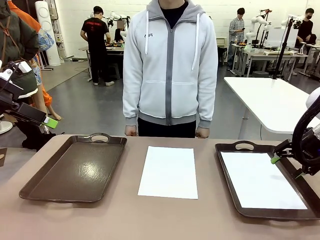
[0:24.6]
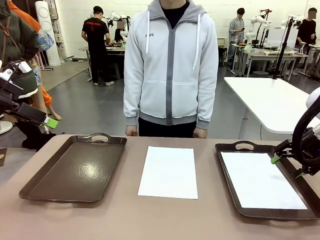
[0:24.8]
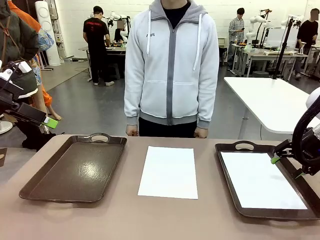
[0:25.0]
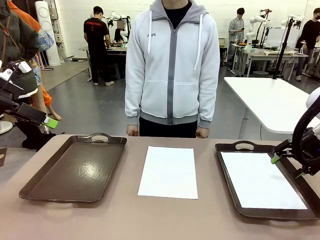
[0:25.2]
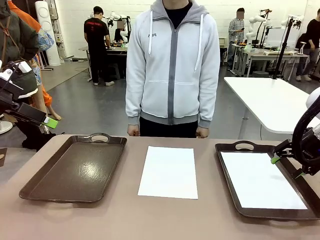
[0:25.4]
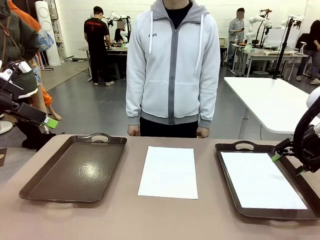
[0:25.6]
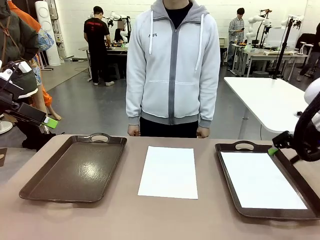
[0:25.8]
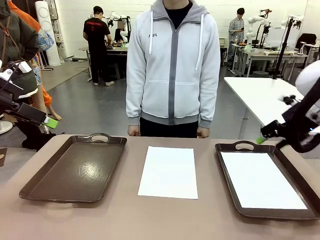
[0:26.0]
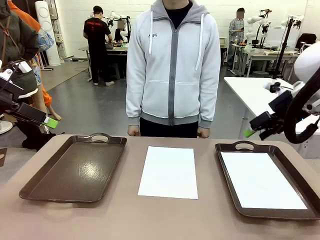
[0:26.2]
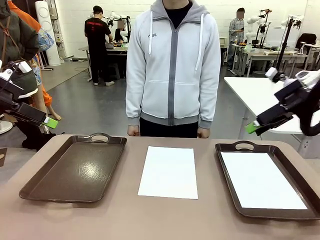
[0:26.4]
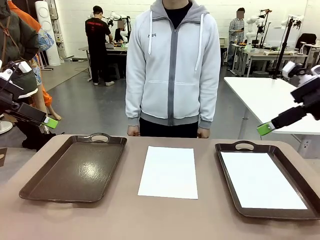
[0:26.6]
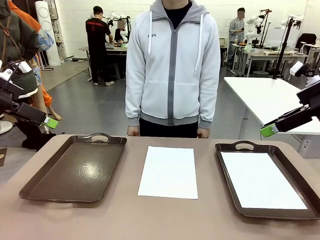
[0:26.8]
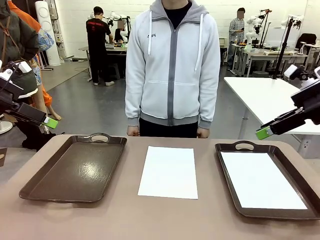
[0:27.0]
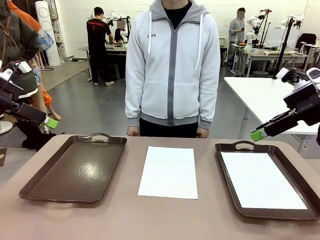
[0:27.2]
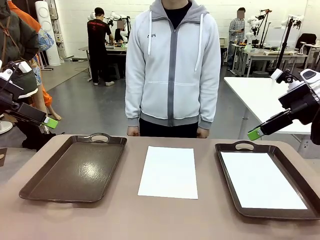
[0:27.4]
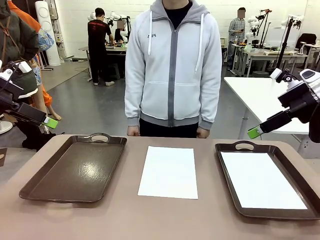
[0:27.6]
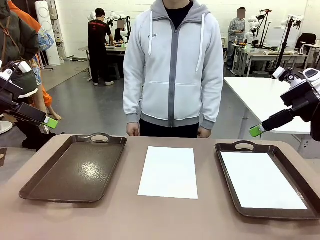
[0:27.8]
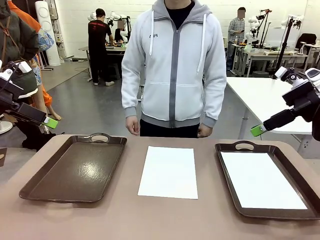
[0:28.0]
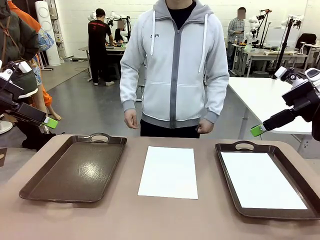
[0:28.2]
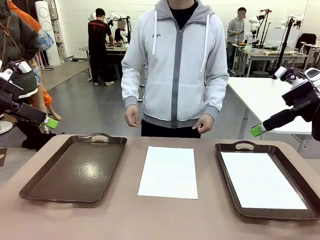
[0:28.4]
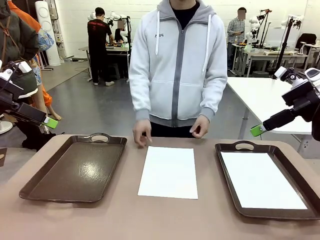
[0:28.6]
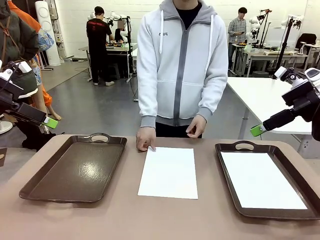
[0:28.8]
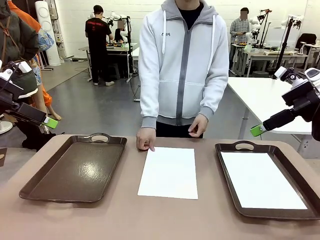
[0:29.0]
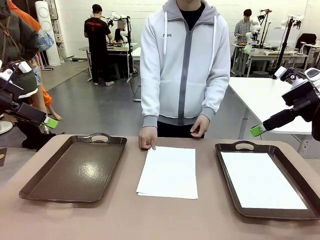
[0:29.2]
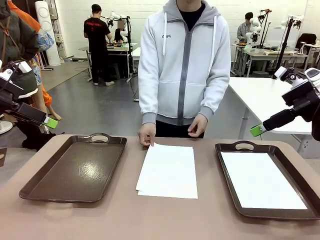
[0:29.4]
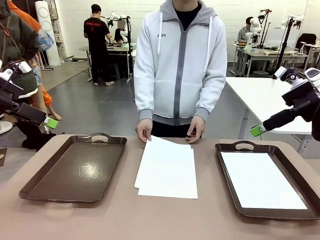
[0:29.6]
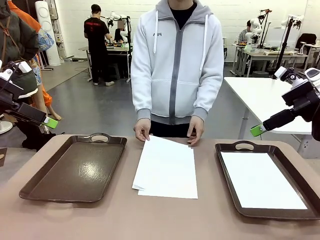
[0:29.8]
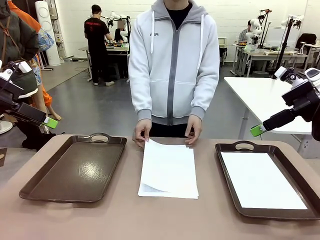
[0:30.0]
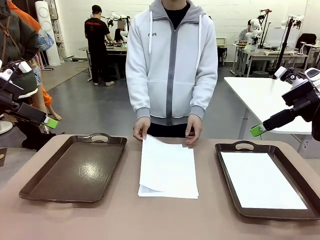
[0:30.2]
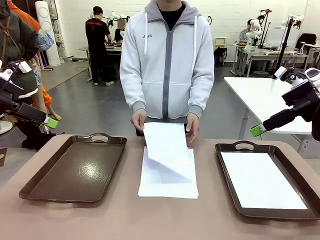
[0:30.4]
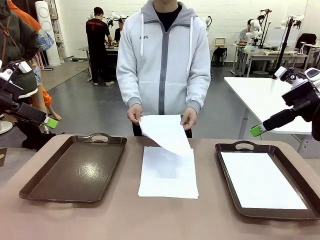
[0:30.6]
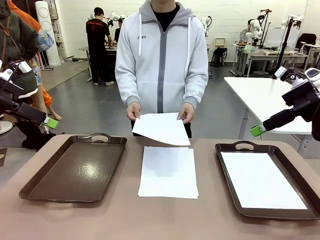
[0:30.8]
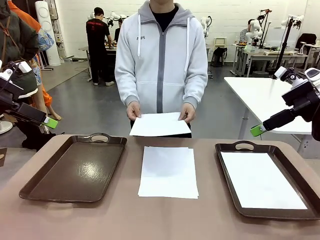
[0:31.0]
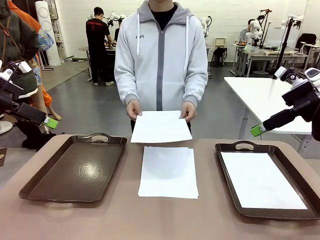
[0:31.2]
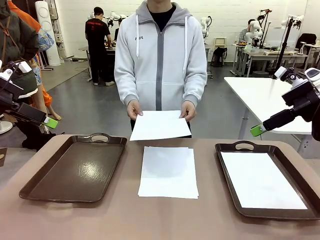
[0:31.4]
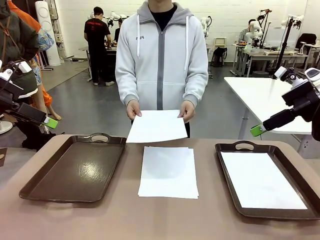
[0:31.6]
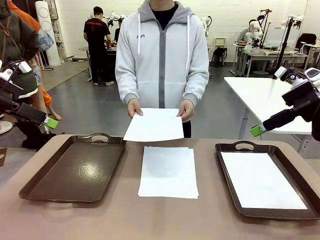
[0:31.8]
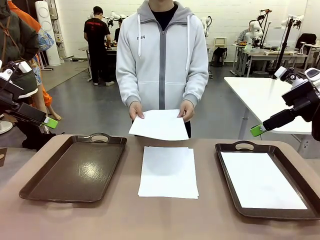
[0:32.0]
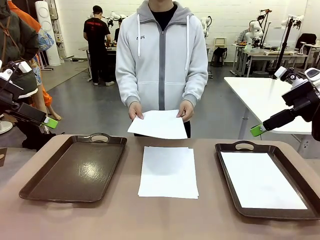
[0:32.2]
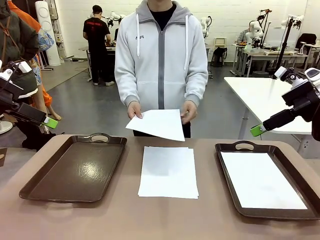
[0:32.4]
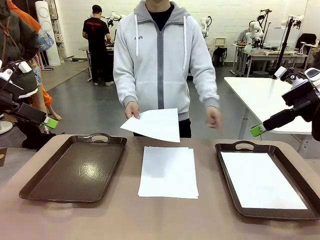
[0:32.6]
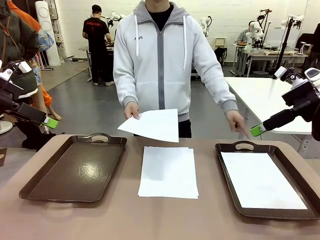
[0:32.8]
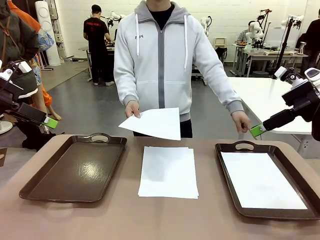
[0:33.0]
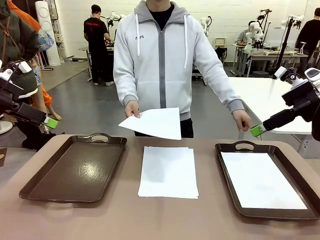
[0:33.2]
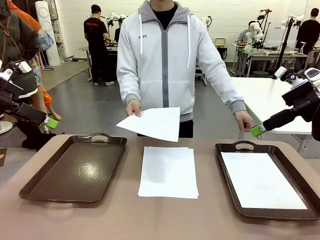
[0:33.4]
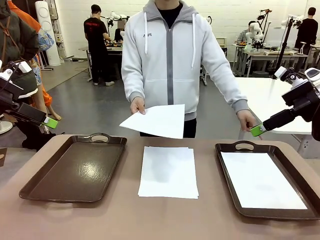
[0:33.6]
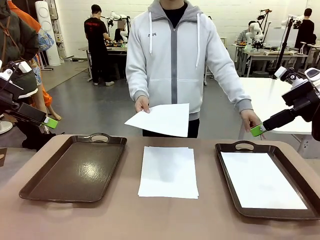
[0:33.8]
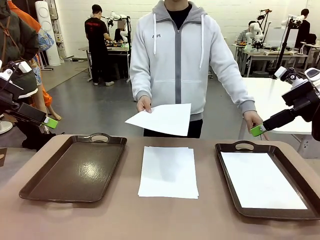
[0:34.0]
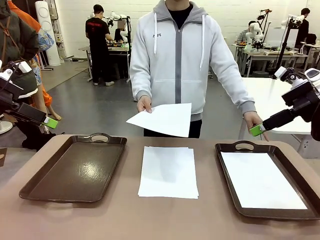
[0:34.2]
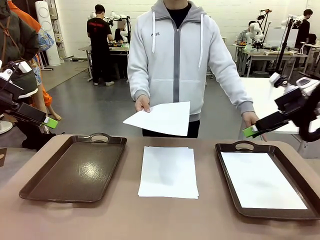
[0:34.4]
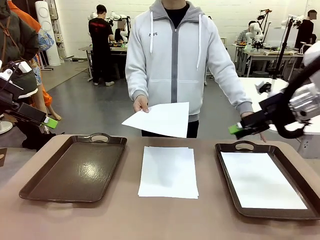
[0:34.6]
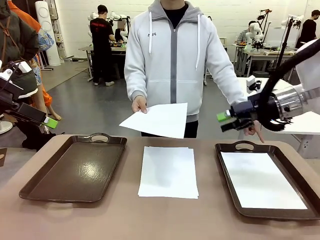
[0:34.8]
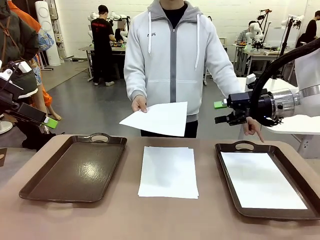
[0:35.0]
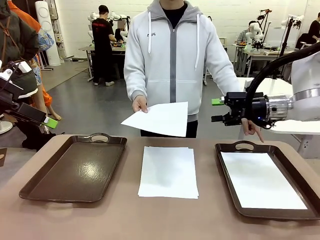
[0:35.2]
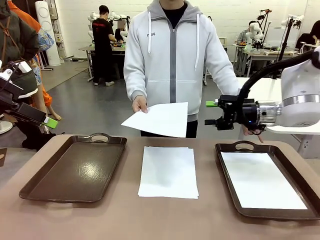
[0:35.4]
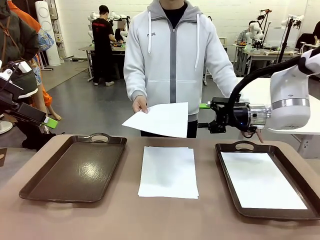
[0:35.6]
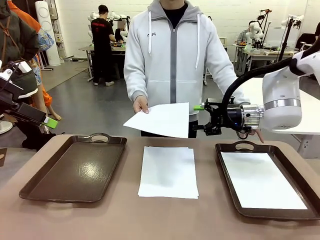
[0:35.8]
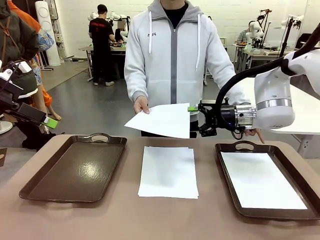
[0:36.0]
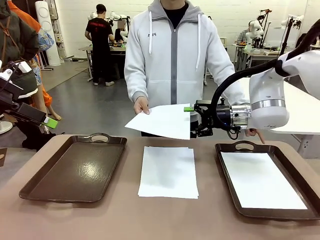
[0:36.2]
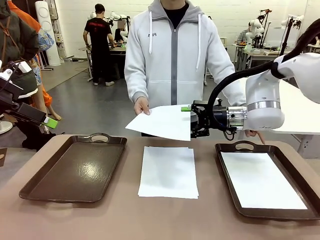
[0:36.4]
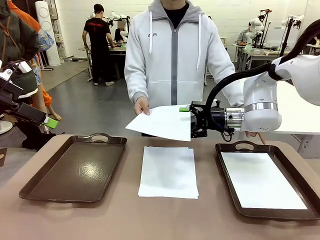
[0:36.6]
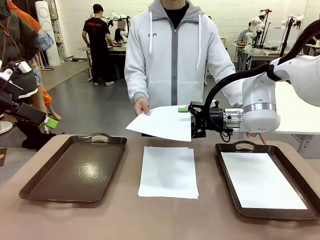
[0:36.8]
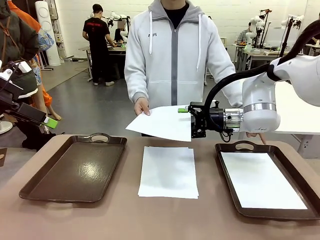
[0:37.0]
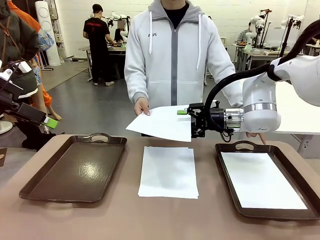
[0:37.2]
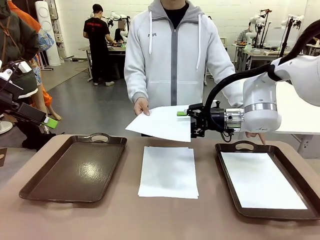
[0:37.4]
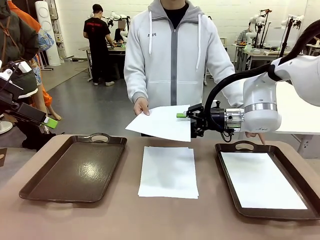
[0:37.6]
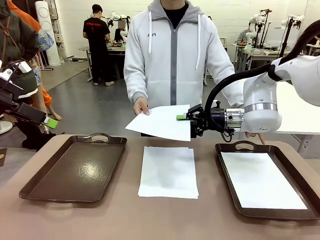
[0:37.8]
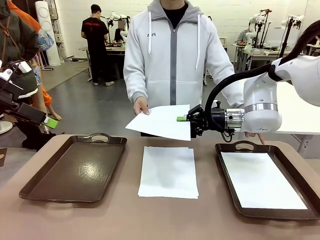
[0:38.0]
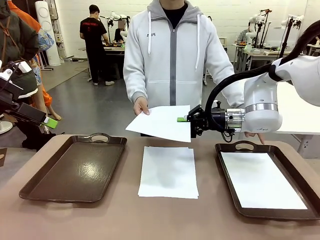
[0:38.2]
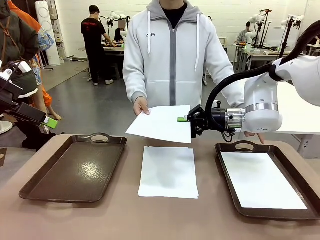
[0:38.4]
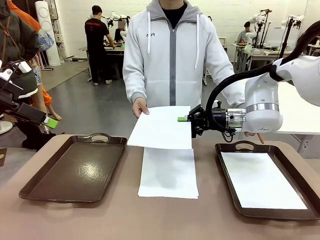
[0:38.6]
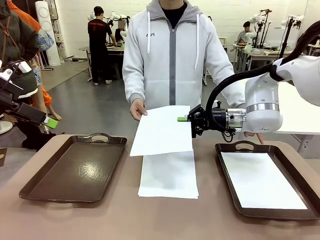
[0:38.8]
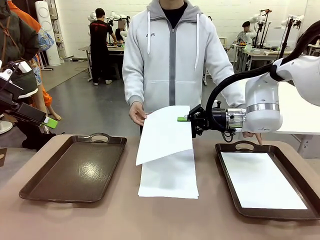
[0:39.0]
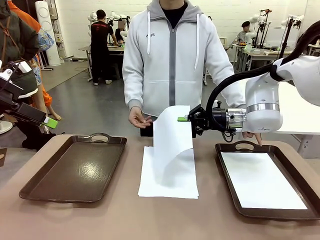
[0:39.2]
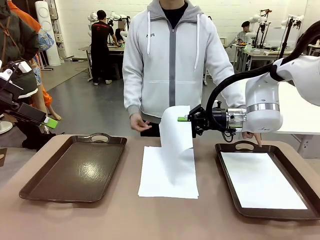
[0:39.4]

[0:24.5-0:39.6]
Task: Sort the A4 documents.
Robot: Receive the A4 Paper.
Person: Point the randomly selected tray with the other hand.

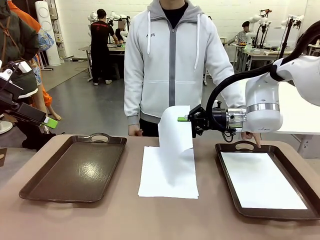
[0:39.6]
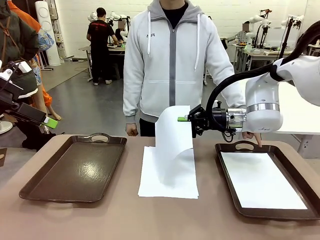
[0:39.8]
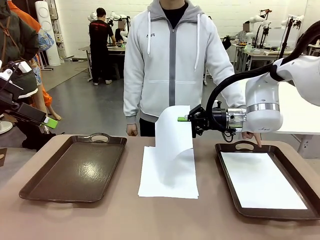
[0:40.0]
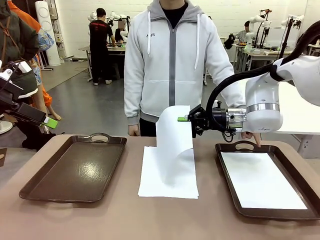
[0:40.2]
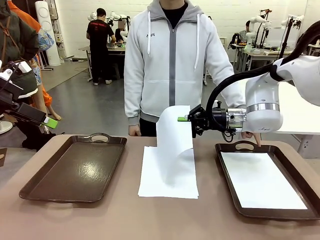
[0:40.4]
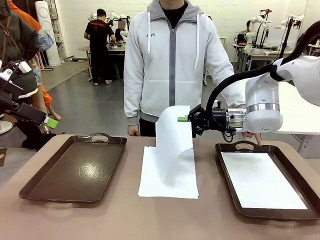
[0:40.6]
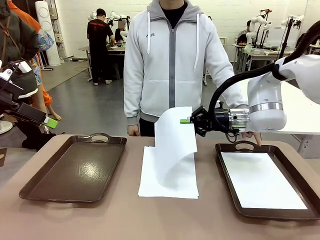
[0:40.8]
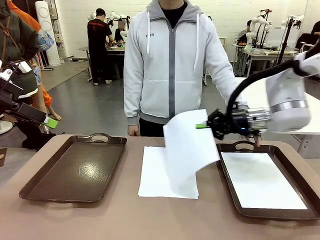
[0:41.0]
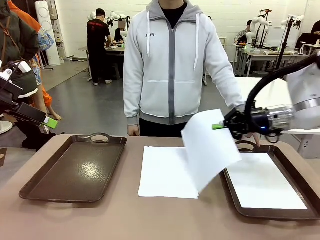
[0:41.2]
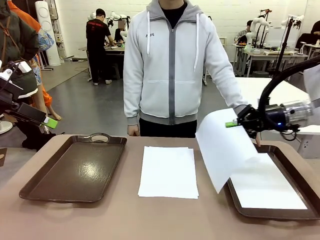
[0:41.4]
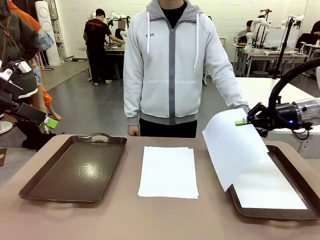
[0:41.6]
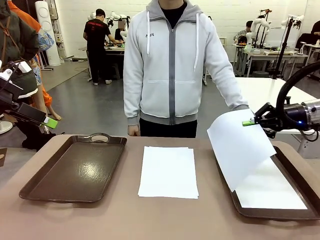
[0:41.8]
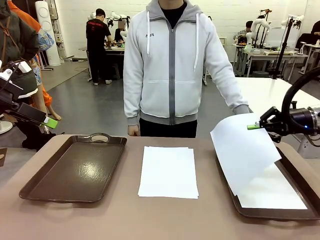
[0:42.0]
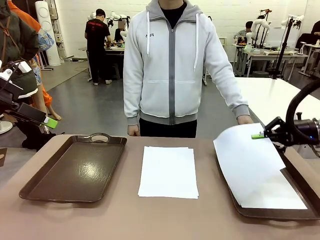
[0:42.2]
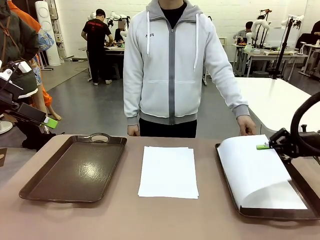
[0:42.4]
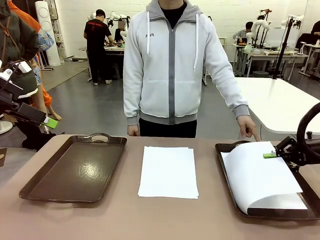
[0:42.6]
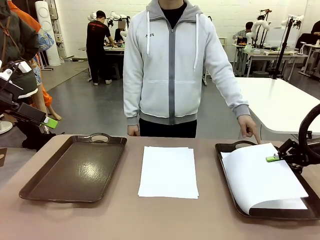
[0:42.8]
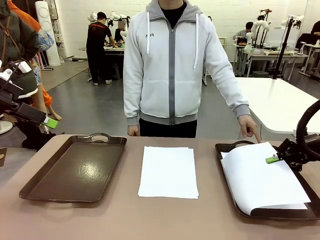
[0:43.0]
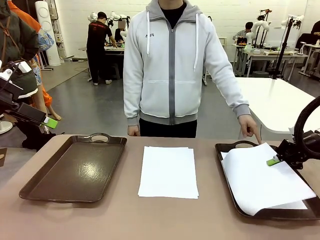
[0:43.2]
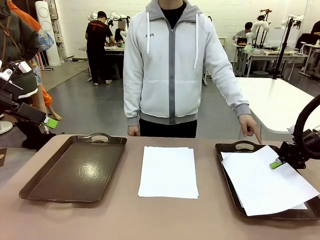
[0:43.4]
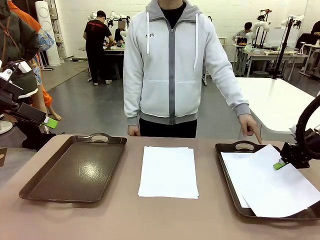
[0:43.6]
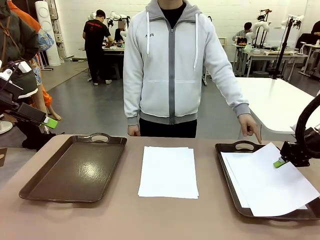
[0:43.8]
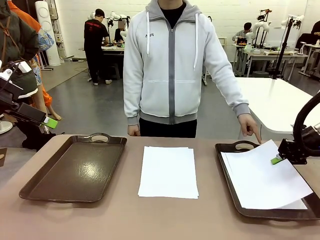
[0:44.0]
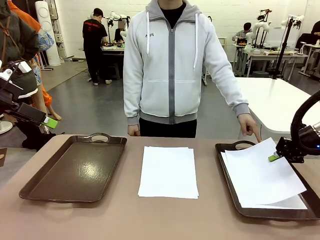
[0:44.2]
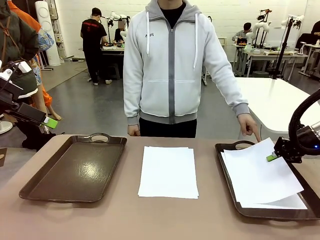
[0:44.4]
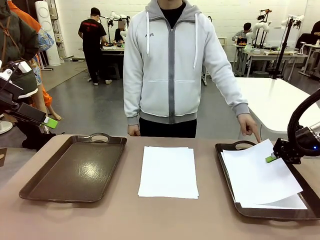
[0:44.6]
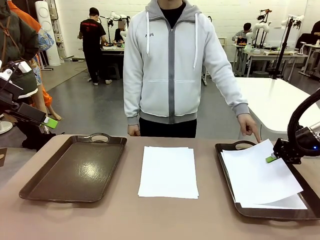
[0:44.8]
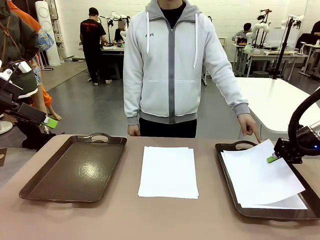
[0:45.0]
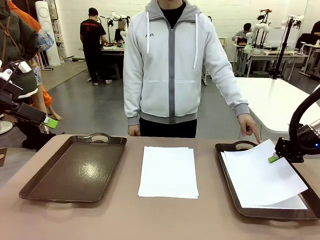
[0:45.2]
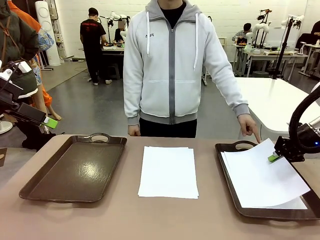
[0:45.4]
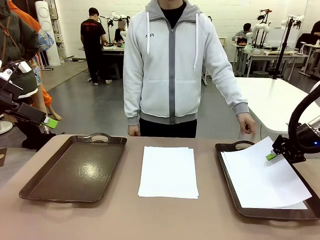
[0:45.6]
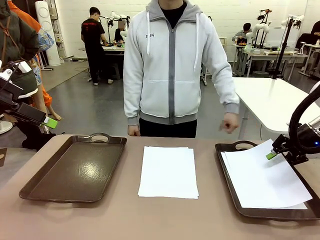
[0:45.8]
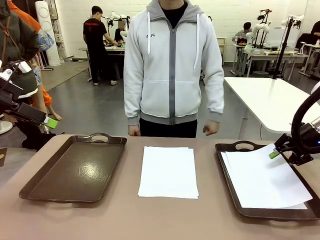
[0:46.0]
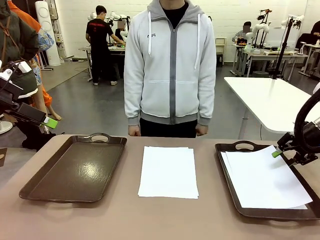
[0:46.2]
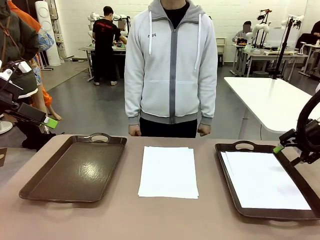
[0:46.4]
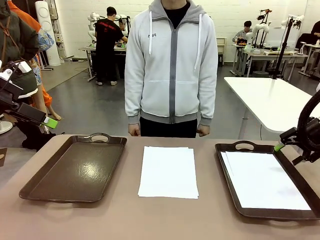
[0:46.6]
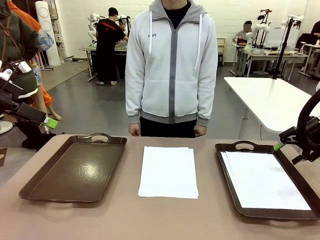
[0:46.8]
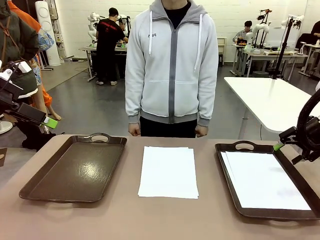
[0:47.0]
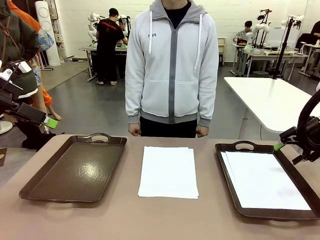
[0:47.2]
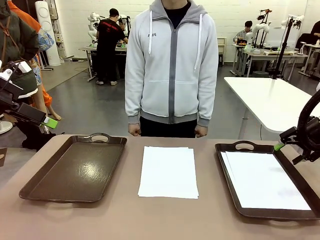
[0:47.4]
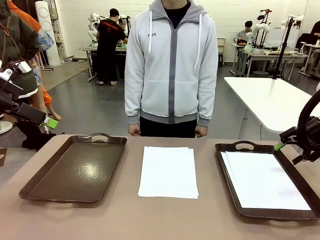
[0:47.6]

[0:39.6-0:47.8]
Robot: Place the A4 Paper in the designated Handle tray.
